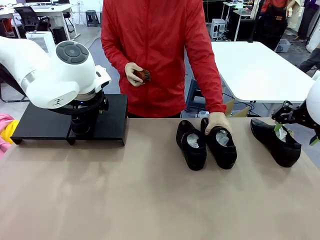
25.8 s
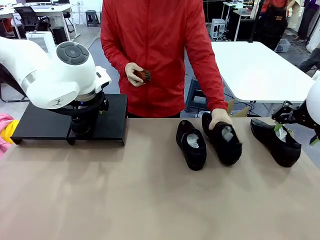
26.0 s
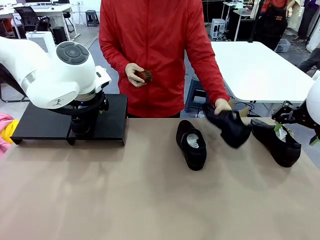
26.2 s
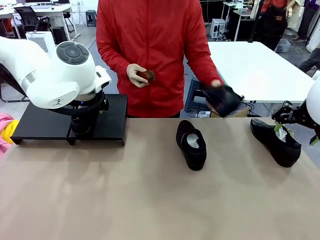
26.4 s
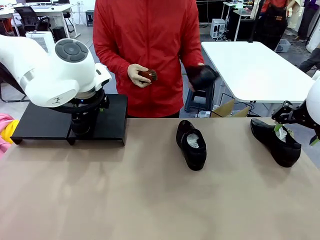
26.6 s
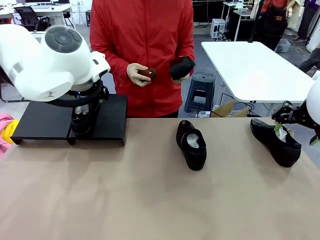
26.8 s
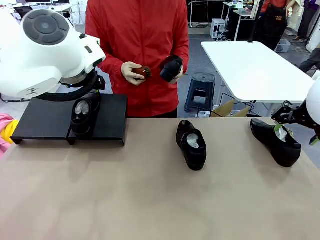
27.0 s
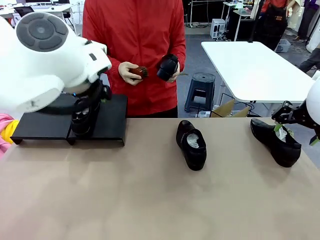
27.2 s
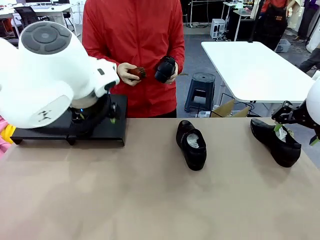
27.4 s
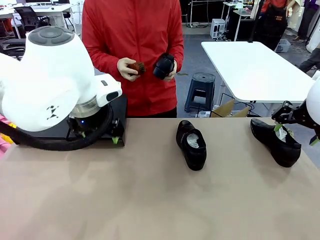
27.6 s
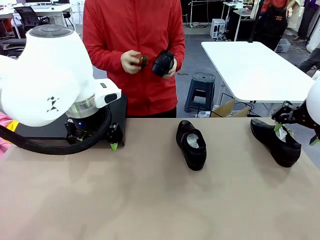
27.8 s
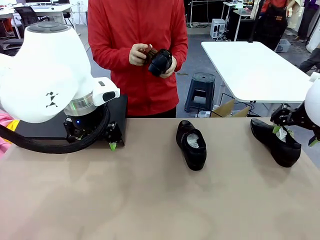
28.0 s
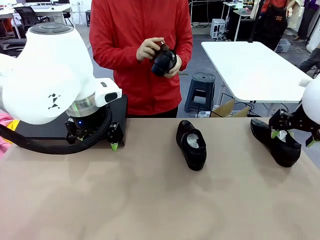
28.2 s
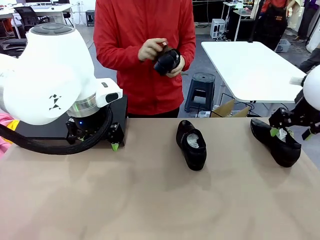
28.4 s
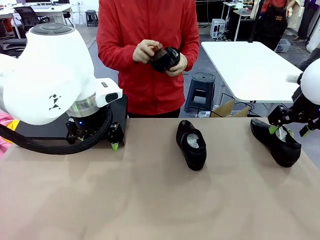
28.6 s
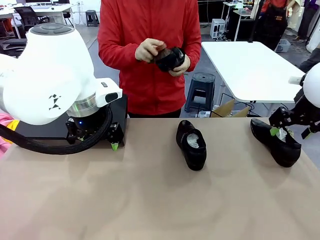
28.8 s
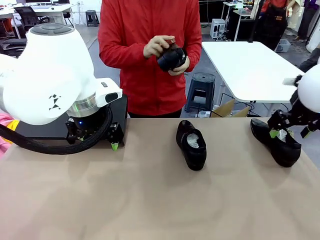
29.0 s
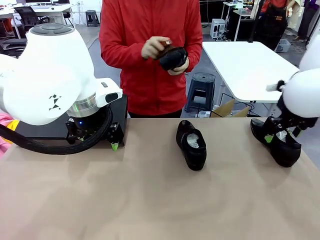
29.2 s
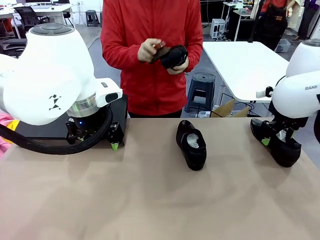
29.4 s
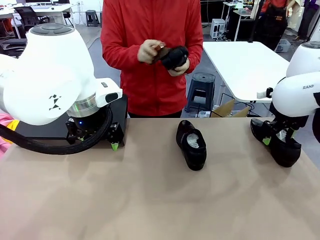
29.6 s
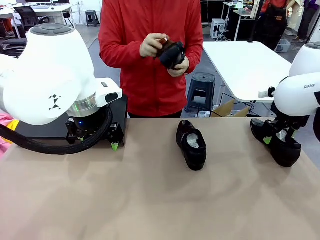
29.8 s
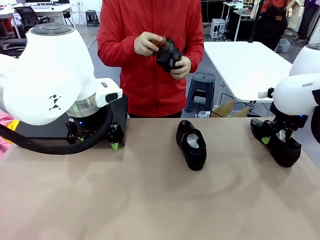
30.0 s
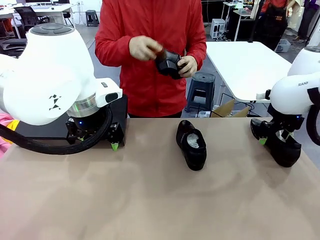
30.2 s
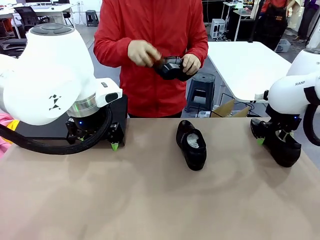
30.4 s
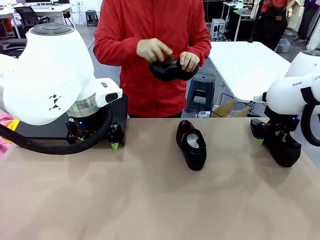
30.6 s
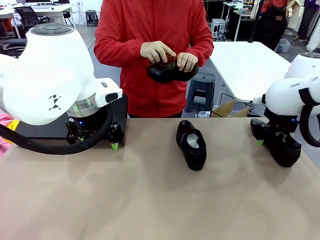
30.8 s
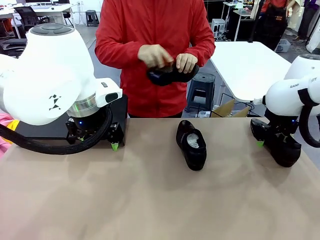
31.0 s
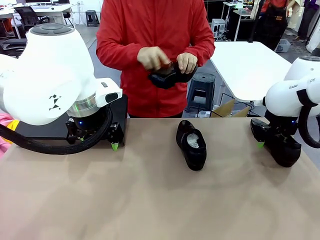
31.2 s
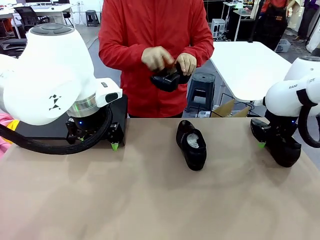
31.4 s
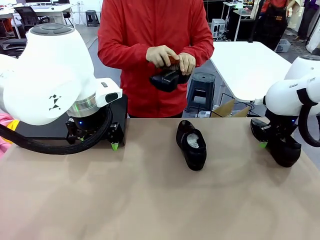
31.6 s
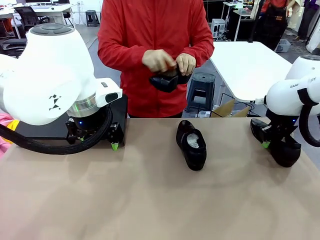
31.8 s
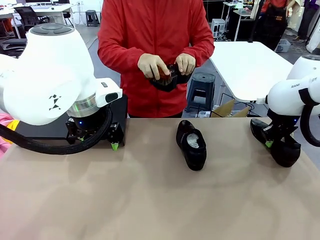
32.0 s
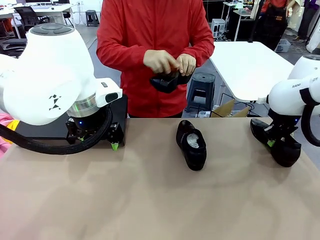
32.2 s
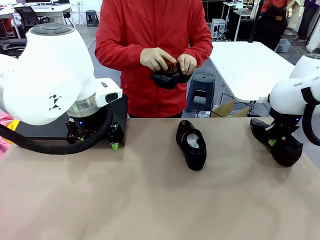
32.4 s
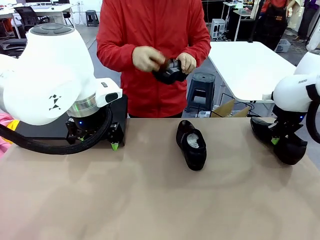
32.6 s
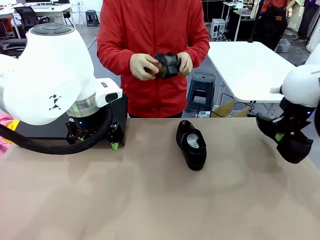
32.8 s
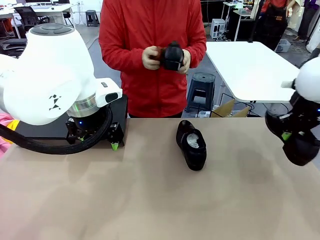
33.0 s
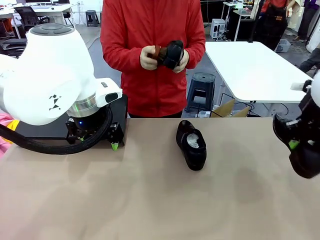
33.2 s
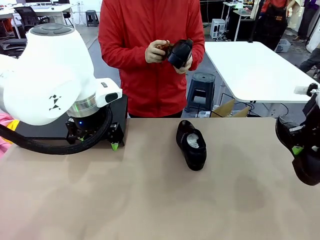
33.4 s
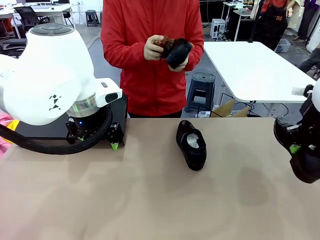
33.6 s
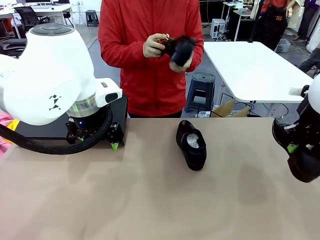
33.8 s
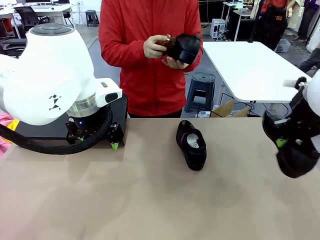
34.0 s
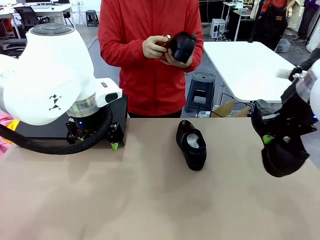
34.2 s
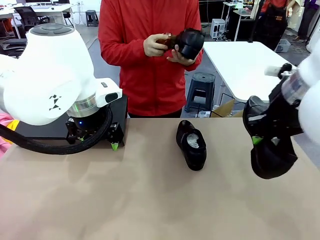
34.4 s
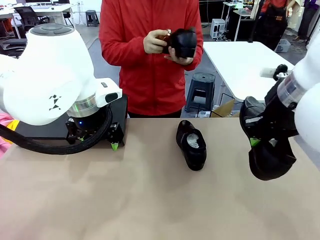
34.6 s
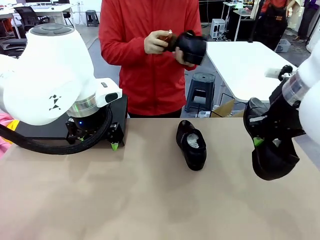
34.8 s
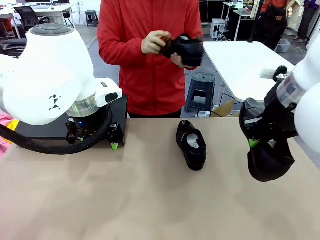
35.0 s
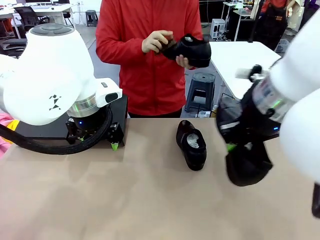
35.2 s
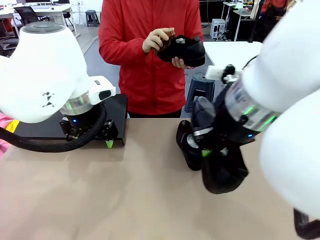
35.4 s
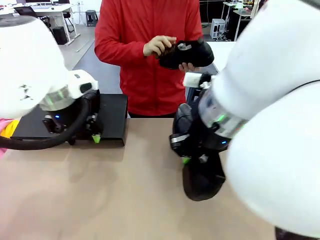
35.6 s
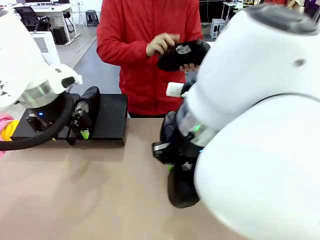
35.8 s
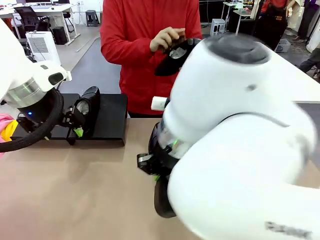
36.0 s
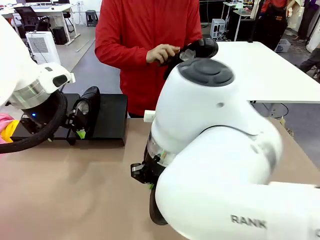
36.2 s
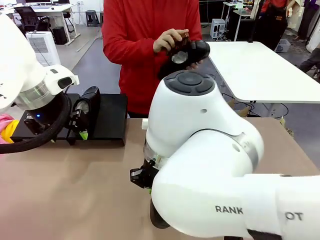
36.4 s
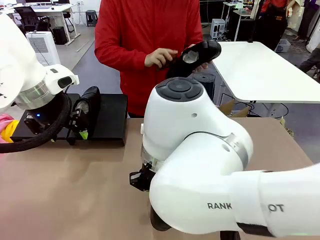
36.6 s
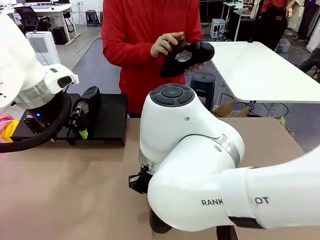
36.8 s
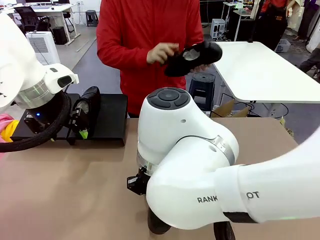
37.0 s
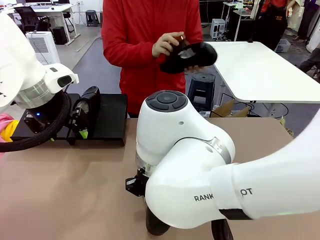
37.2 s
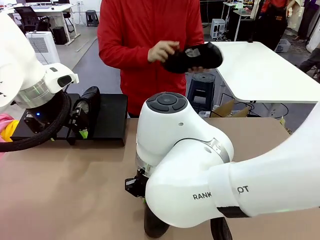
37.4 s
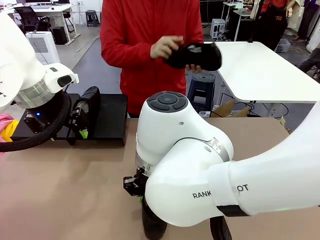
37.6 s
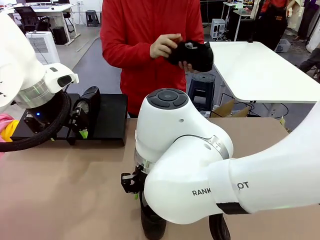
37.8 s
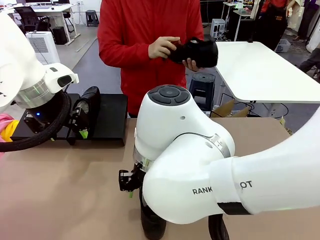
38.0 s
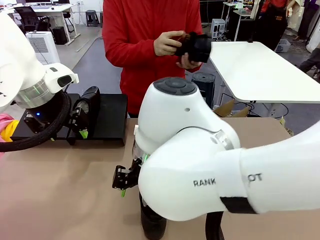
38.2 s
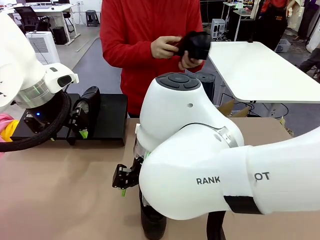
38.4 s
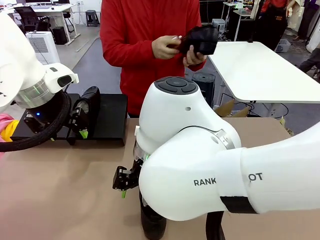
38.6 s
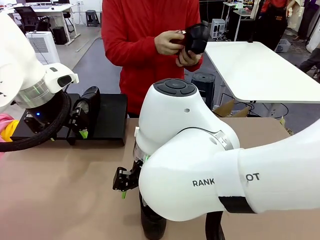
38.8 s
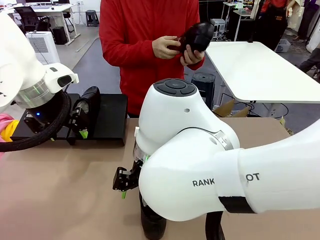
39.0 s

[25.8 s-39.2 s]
Task: Organize the shoes by placing them on the stand.
Robot: Pick up one Shoe and place it in the middle of the table.
Person: Pick one Shoe on Robot's table. Clean the Shoe with the Shoe Brush.

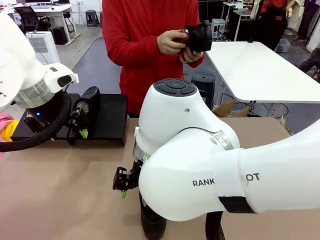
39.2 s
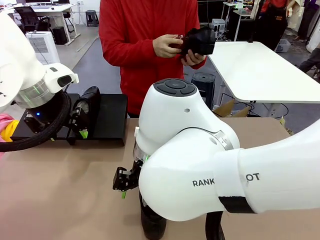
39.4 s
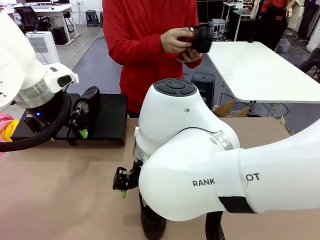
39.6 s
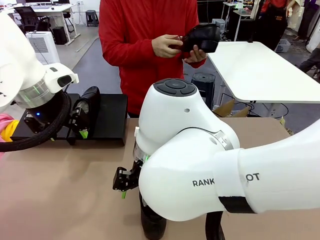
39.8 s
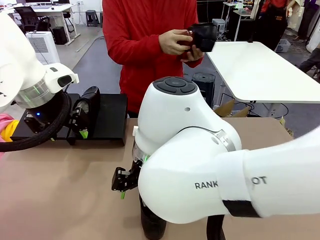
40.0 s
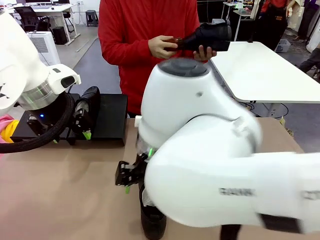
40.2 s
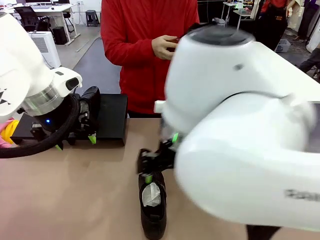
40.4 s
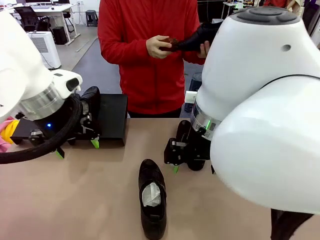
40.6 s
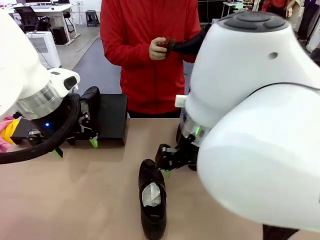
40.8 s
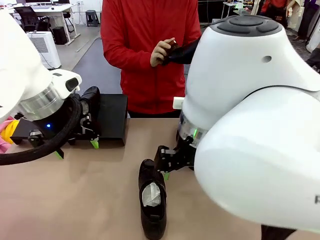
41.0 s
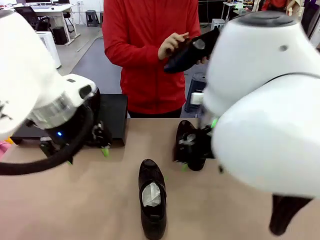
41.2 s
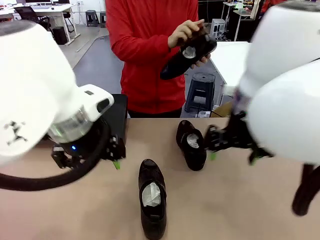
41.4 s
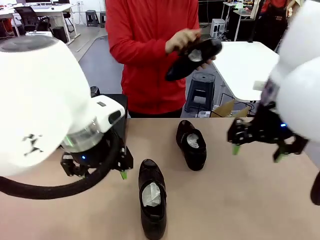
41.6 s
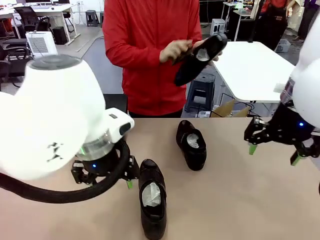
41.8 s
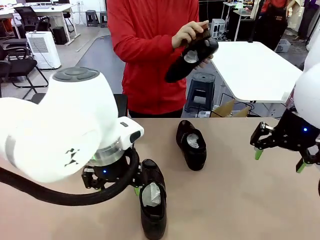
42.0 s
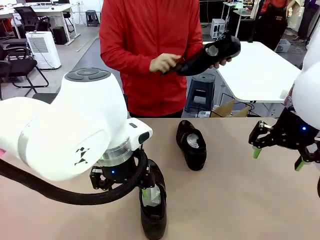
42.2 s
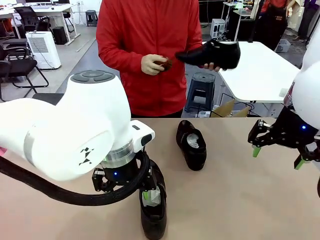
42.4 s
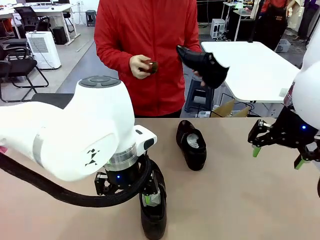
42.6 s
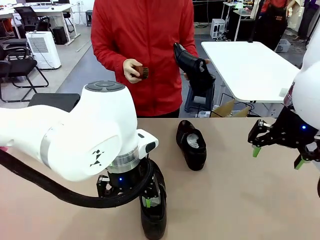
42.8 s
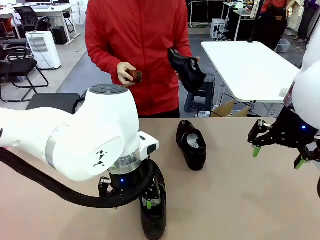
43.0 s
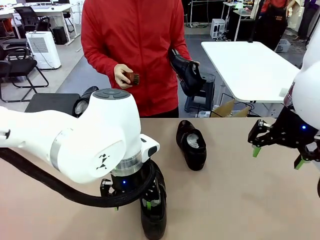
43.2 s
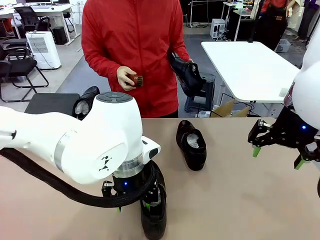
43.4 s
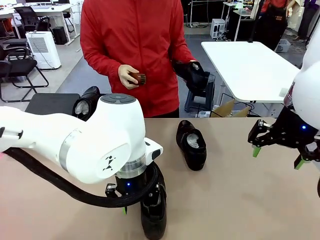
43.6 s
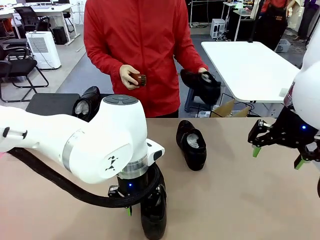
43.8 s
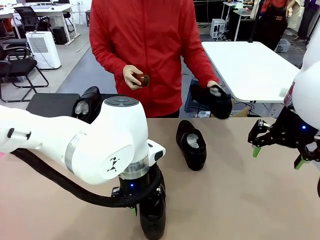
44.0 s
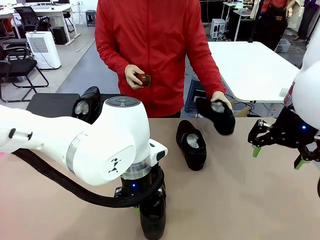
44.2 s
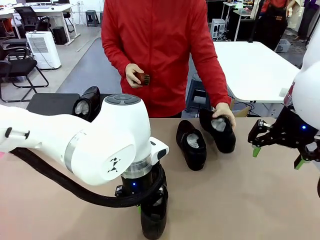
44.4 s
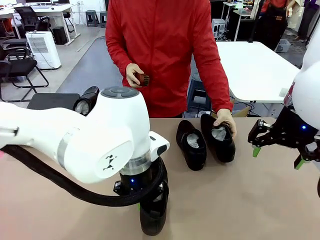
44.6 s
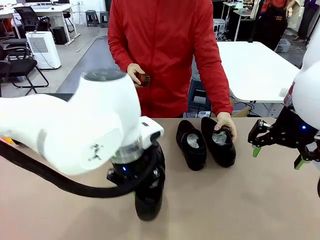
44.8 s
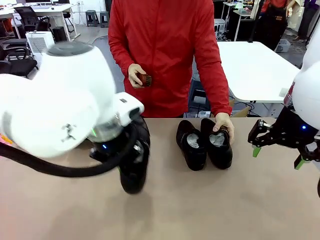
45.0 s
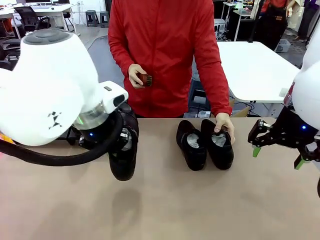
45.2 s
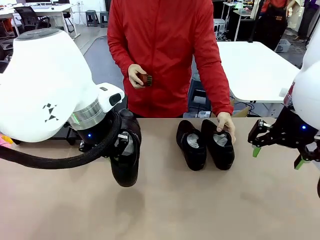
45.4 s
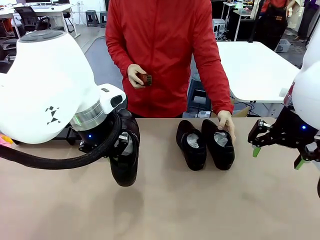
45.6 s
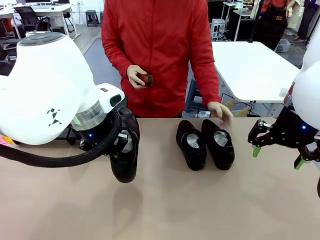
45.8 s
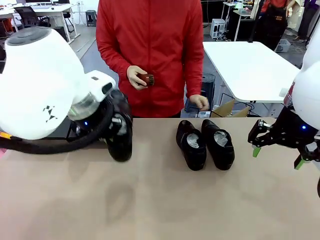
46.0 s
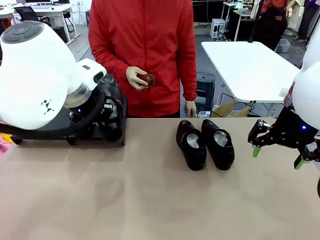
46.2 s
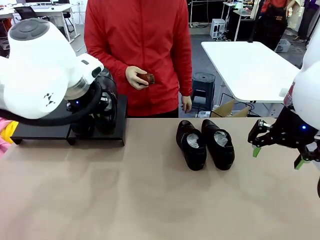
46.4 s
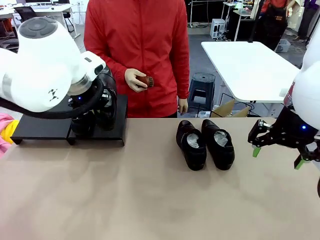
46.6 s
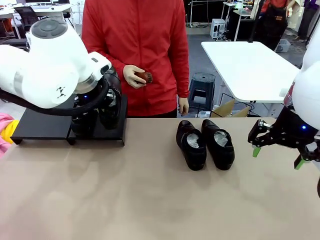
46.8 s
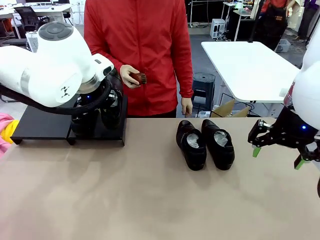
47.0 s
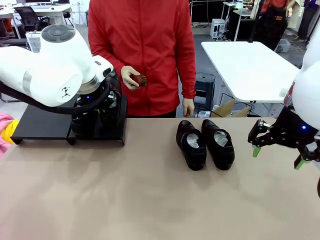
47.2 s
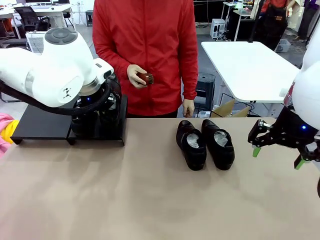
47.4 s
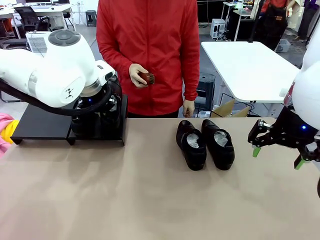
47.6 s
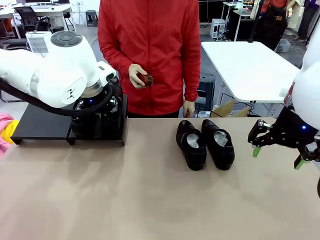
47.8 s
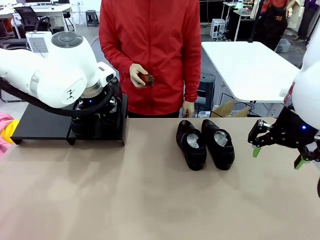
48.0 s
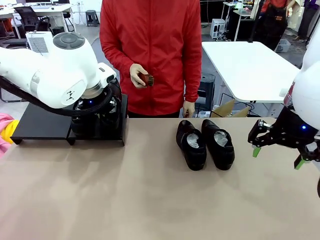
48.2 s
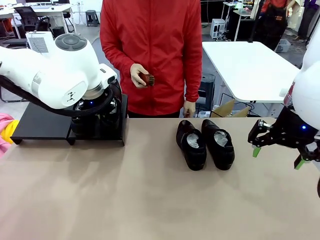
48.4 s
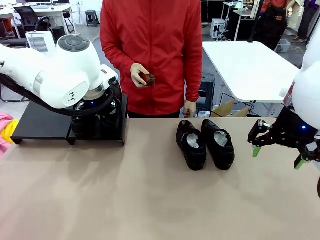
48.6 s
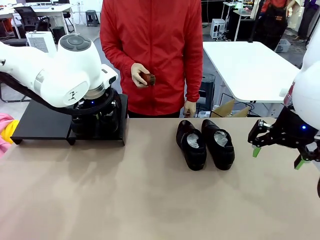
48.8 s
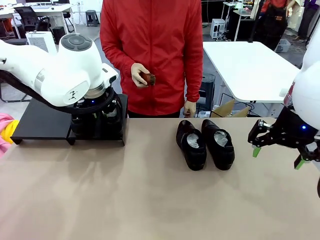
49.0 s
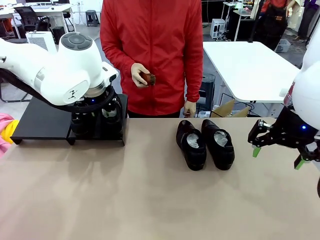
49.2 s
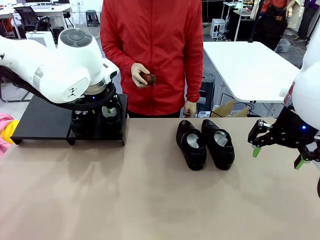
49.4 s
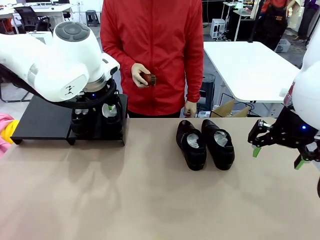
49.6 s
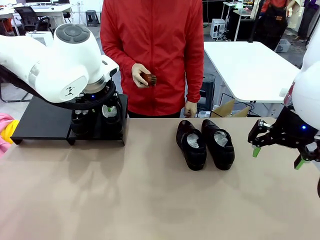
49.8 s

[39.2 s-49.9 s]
Robot: Place the Shoe from the middle of the table onto the Shoes Stand.
